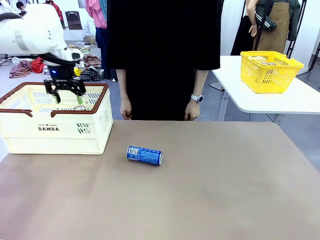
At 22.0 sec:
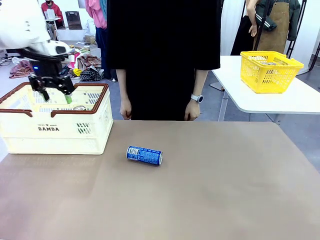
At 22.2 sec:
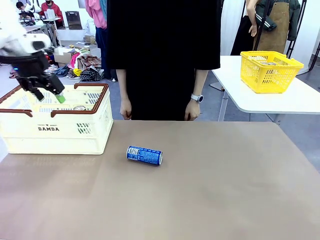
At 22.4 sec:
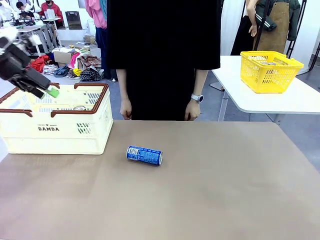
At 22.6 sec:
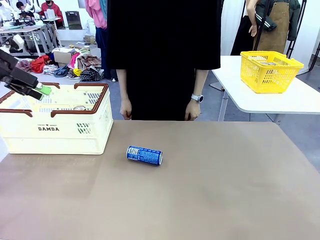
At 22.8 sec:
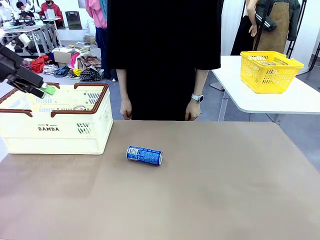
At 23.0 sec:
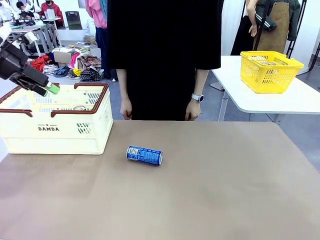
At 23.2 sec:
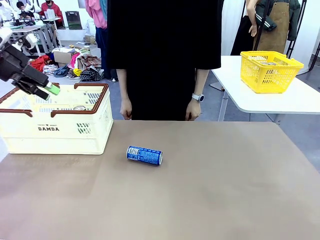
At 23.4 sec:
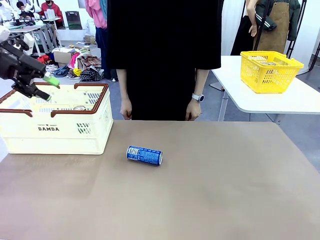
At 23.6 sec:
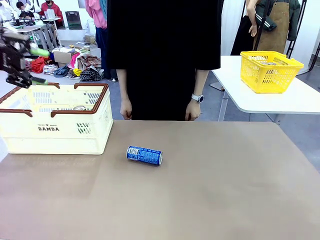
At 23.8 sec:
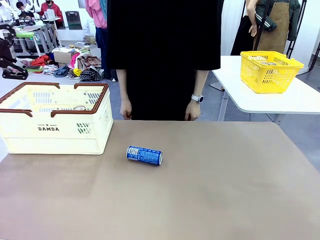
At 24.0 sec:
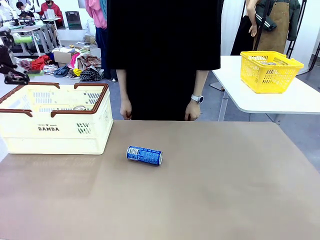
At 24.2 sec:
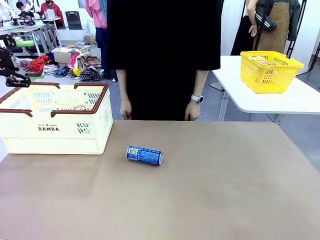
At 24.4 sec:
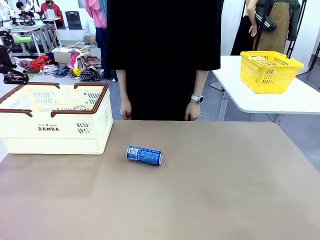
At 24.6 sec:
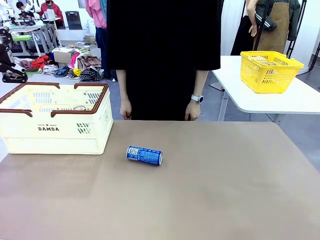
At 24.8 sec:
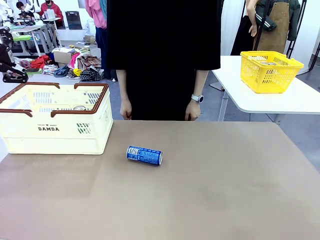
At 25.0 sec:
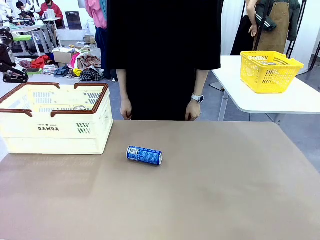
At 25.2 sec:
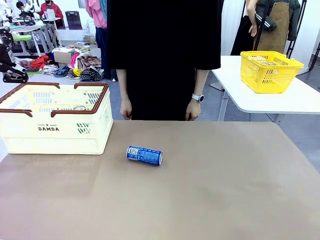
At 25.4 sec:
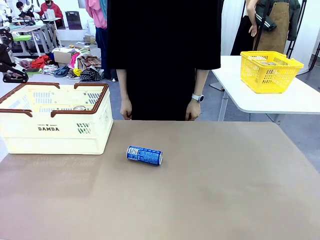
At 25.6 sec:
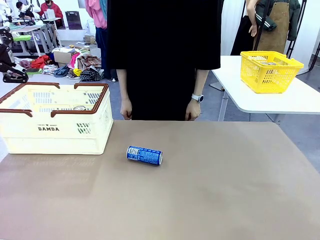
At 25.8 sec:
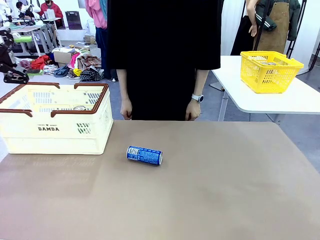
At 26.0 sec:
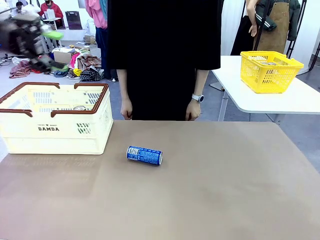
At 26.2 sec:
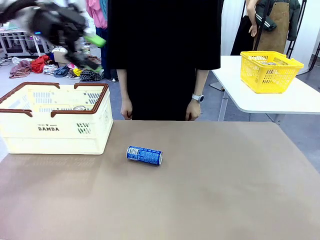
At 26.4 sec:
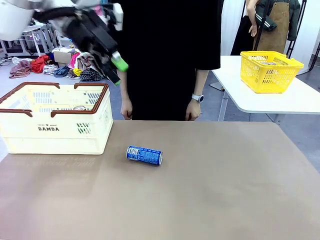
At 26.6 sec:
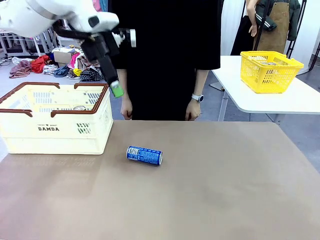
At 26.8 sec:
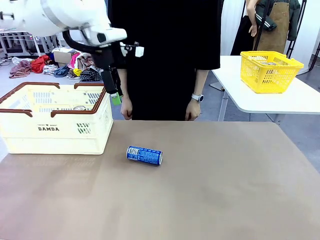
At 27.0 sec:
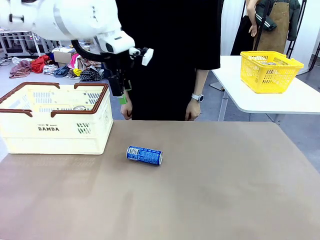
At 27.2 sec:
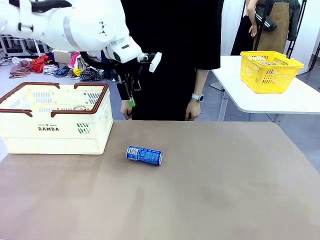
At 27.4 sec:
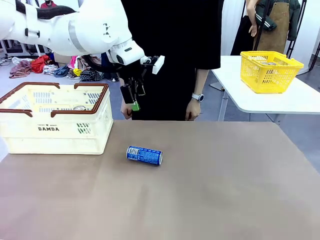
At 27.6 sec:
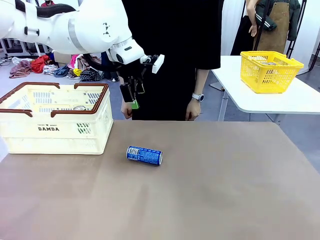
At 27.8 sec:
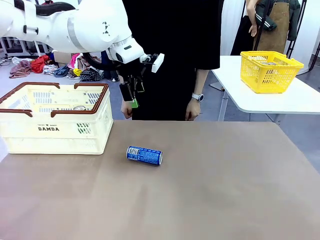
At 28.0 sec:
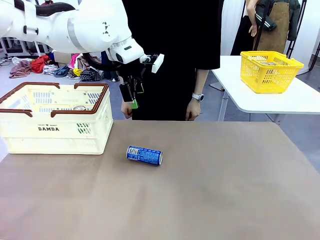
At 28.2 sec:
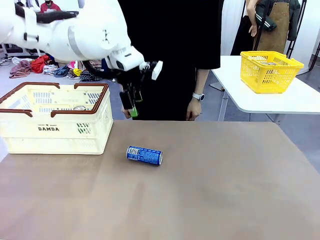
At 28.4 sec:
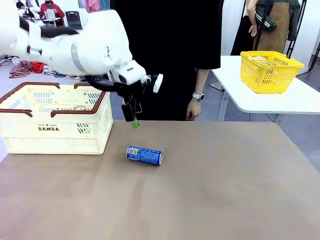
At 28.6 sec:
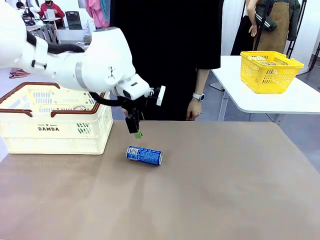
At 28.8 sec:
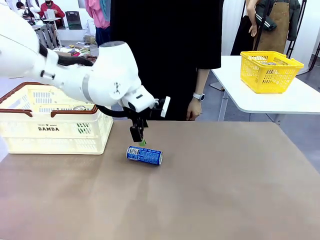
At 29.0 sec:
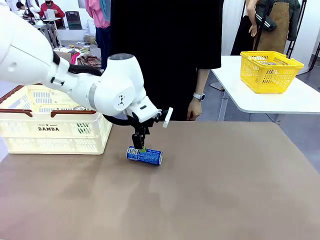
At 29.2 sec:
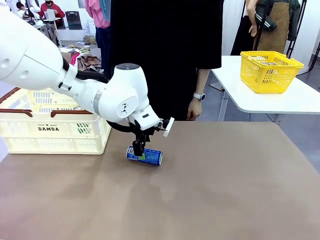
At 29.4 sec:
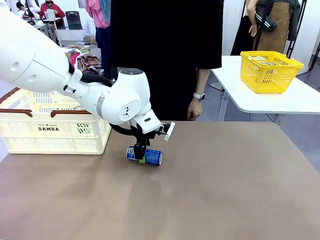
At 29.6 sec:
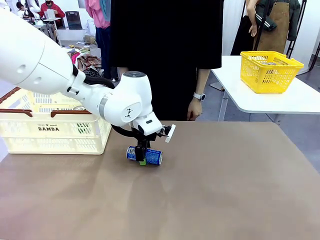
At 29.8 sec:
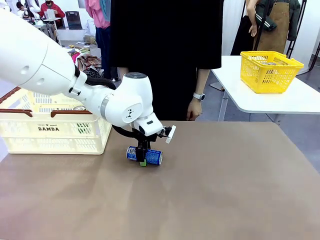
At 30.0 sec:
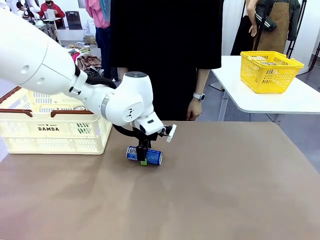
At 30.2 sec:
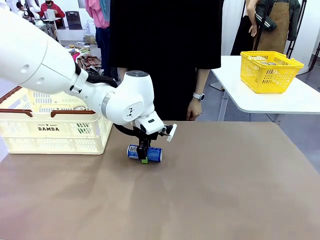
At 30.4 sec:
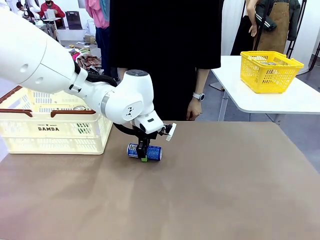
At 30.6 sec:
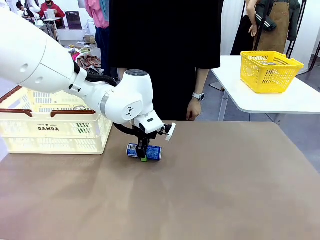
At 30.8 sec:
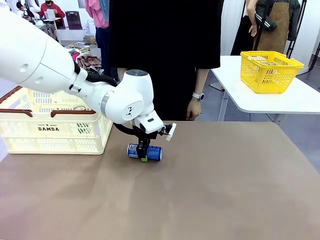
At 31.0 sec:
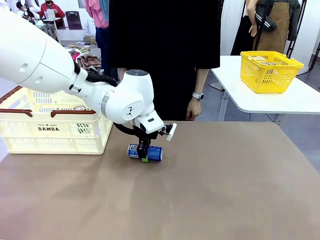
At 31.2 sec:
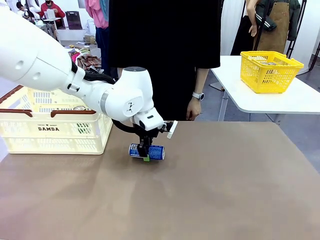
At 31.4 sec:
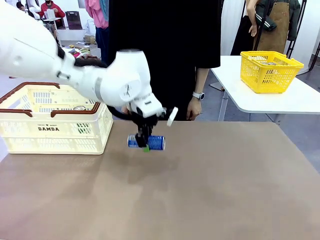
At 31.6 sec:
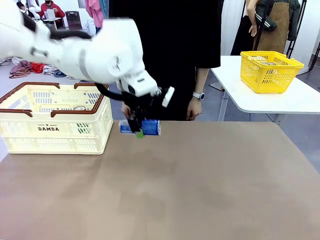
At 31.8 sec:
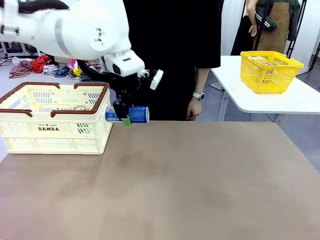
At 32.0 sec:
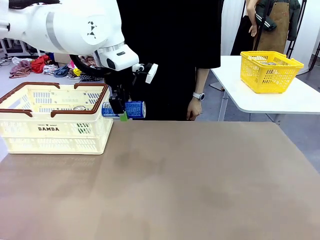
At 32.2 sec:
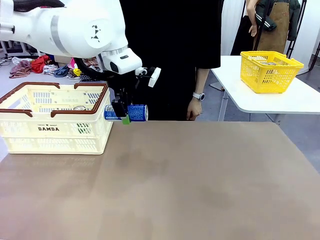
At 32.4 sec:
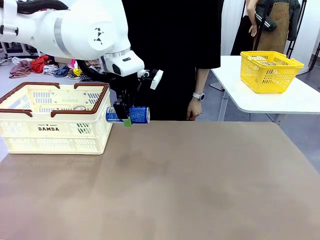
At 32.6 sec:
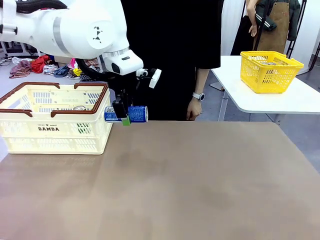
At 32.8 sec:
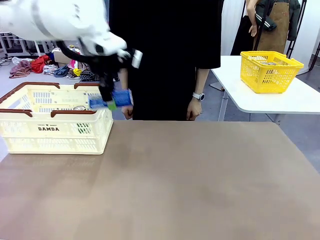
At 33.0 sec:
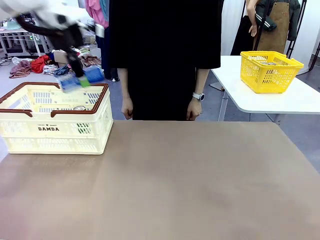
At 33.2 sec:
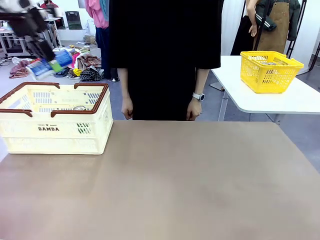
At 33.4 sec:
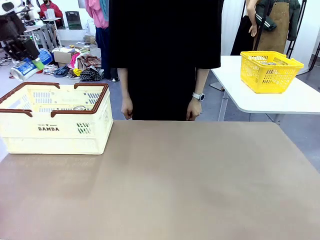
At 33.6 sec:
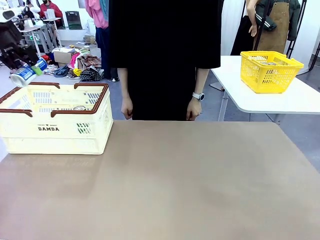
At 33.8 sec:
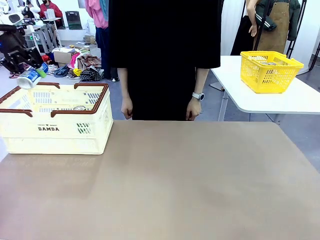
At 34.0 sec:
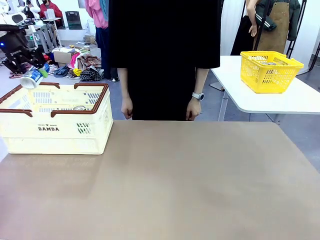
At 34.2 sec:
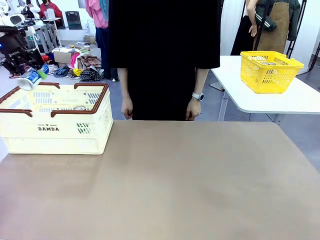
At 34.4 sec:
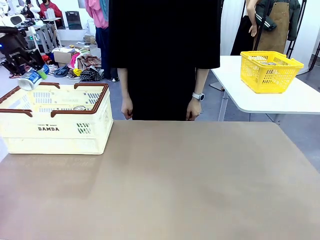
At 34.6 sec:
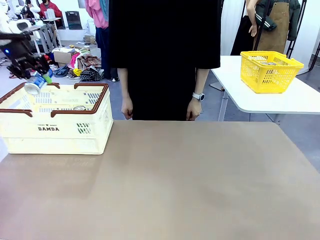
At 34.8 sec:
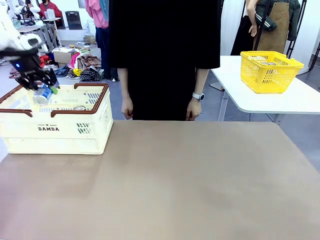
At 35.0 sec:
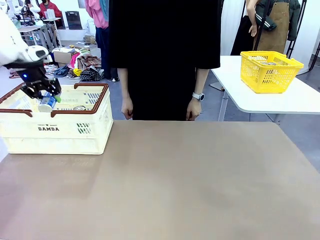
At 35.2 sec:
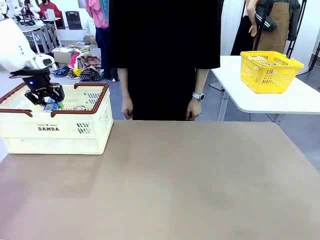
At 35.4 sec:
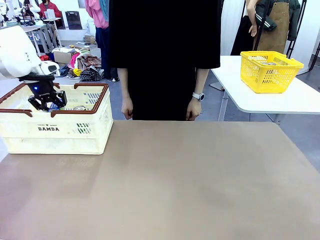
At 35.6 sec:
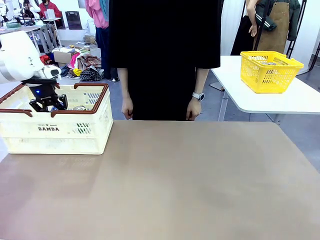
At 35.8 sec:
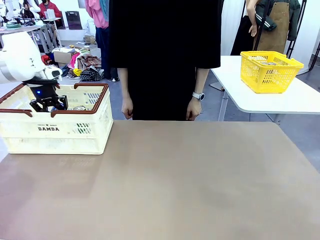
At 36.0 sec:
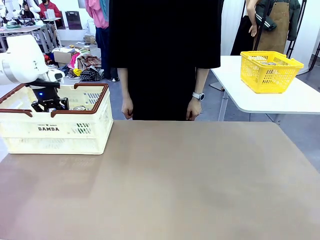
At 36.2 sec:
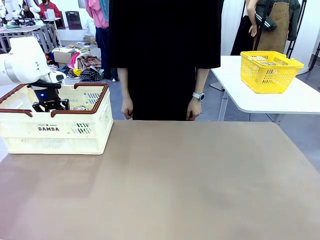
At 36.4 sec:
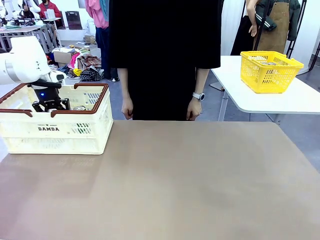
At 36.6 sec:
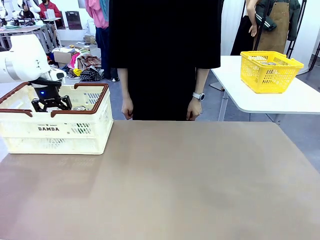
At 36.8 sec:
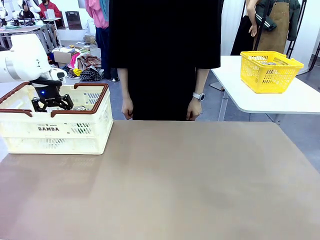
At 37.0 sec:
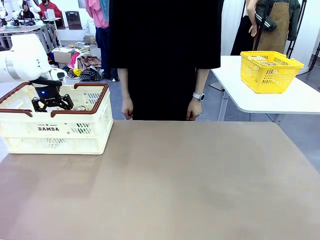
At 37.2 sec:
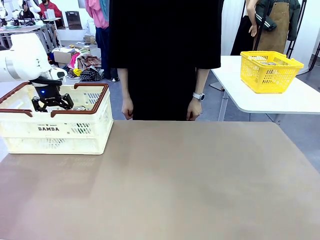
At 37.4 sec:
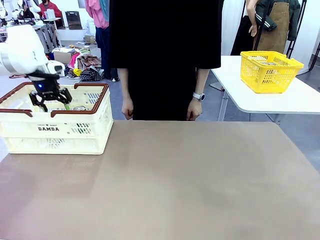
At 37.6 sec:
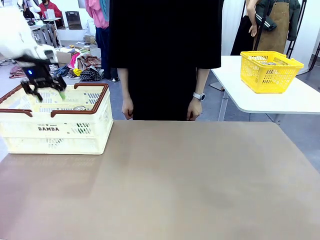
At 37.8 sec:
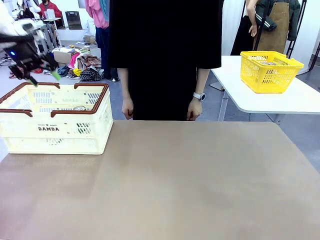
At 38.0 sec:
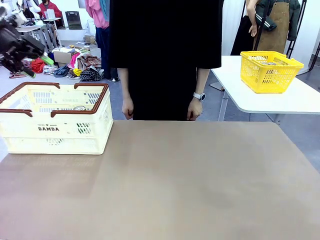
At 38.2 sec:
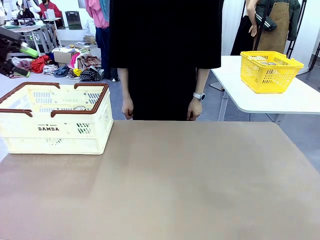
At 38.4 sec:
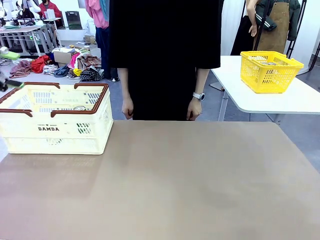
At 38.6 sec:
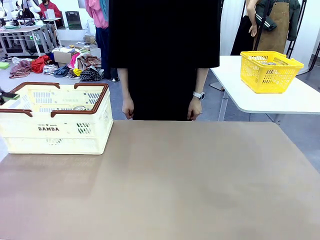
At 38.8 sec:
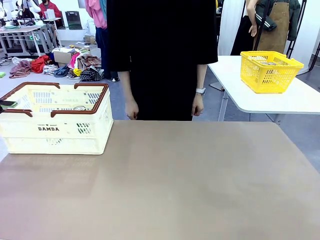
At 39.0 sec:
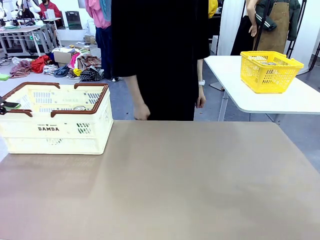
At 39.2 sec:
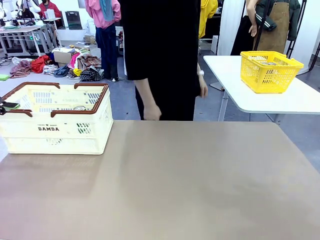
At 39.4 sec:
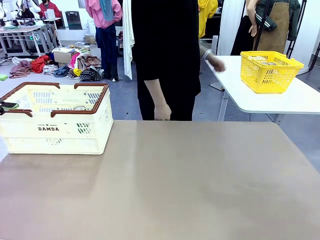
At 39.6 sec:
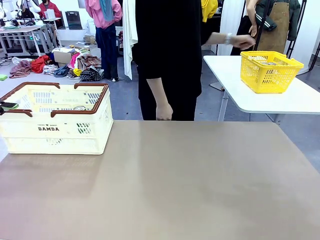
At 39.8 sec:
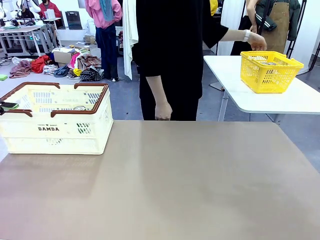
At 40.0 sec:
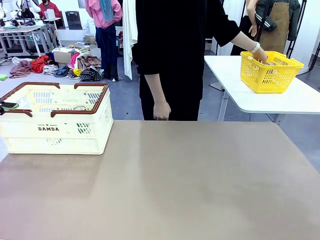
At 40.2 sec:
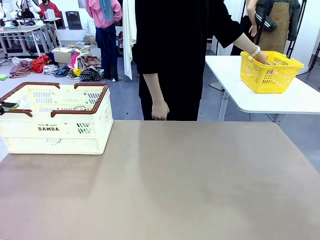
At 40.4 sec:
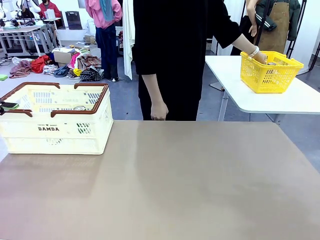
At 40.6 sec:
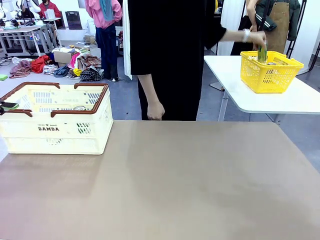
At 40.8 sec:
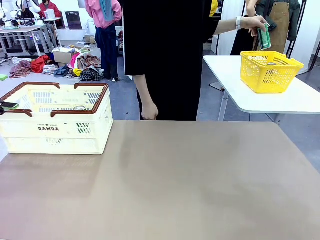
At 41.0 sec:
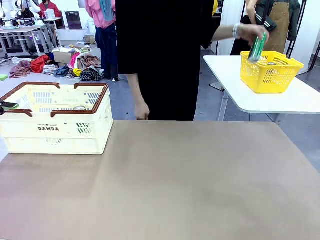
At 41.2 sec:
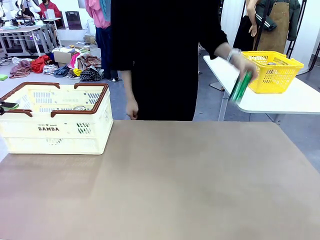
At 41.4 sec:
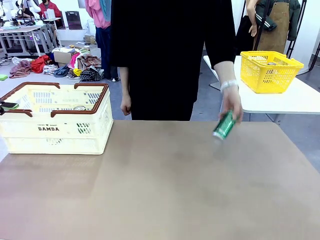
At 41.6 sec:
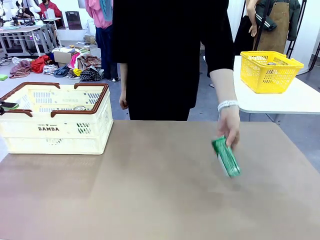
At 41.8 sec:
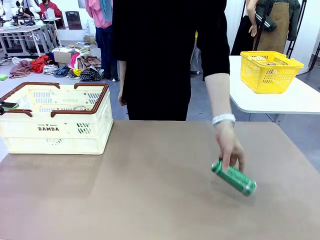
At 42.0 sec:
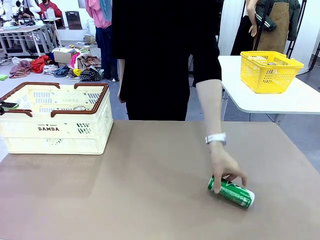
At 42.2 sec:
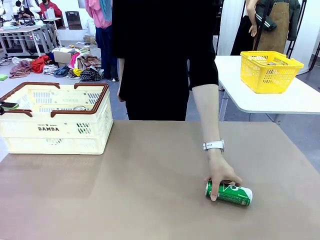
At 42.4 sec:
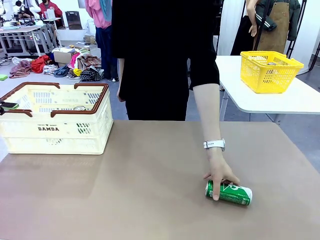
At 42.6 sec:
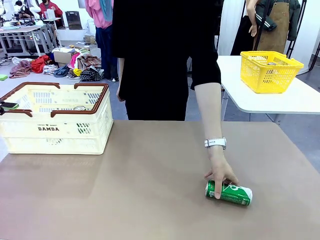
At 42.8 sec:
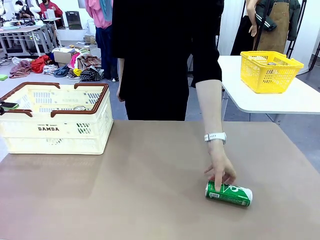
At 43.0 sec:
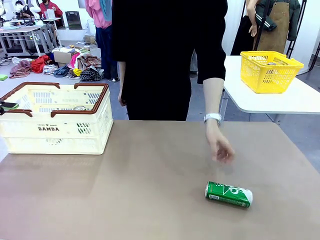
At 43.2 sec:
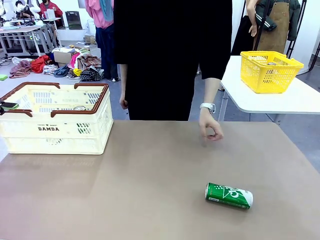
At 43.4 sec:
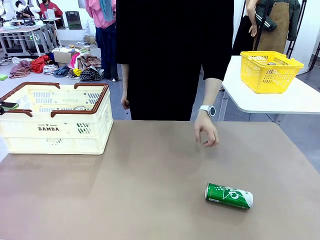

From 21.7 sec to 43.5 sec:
Task: Place the drinks into the Shopping basket.
Robot: Pick up one drink and place it into the Shopping basket.
